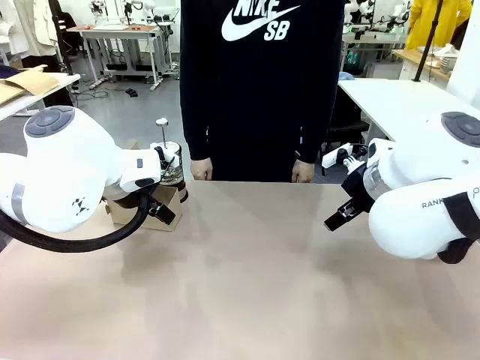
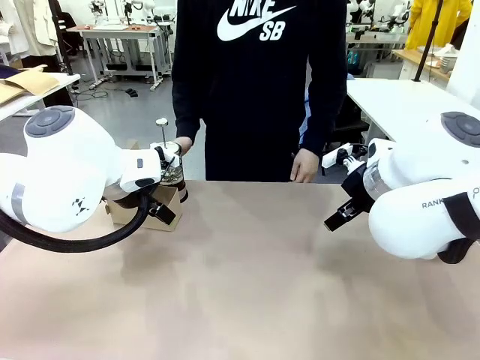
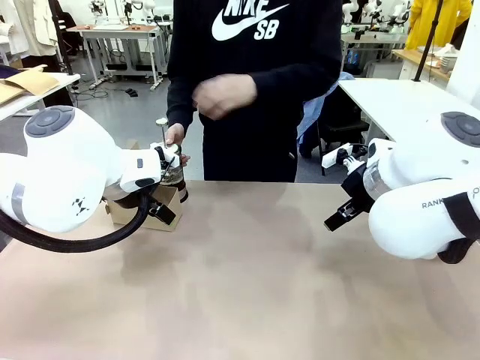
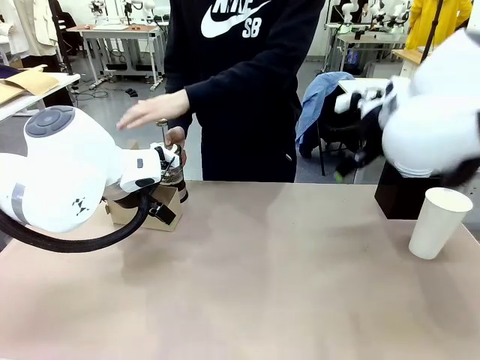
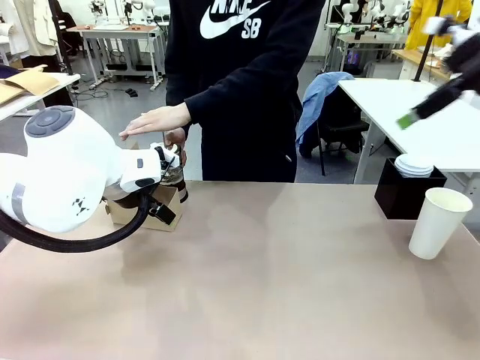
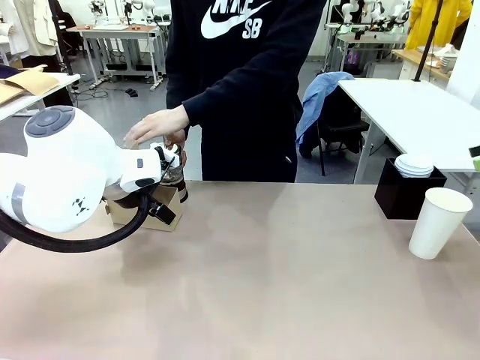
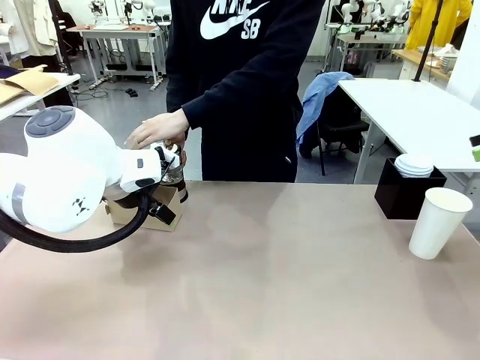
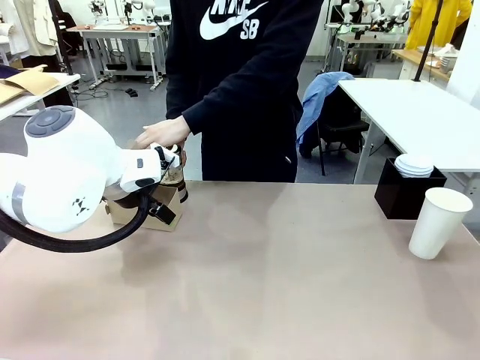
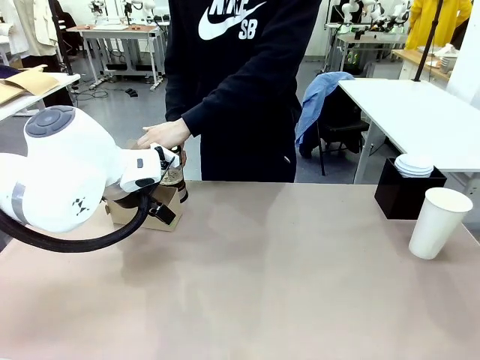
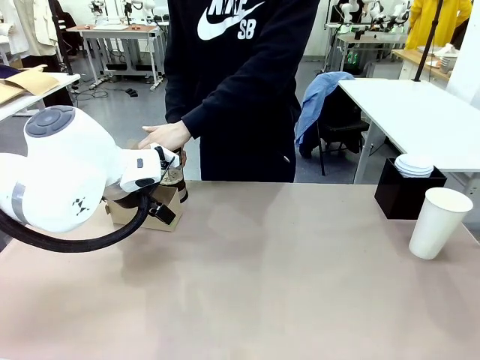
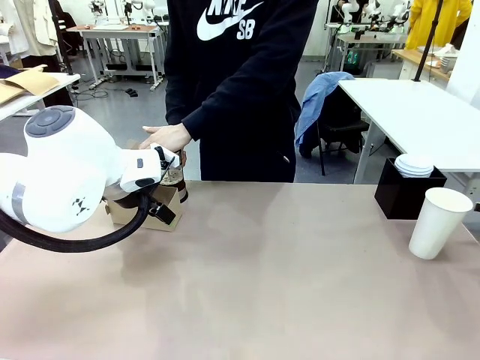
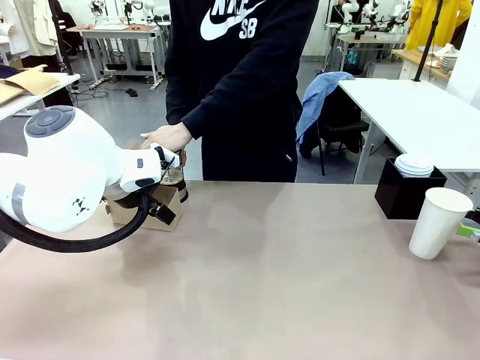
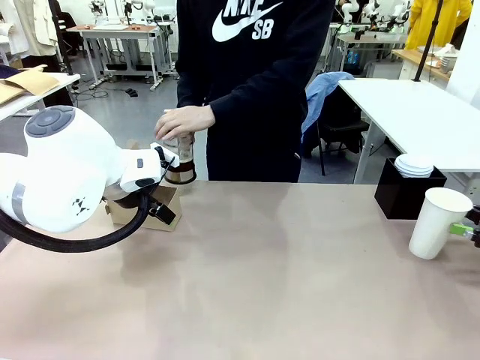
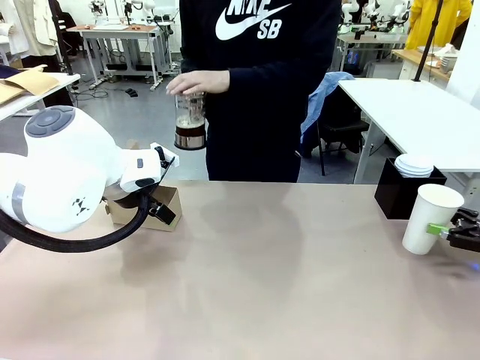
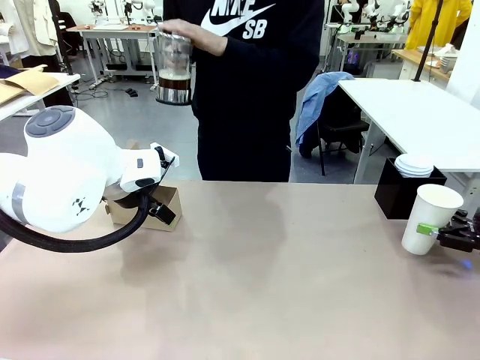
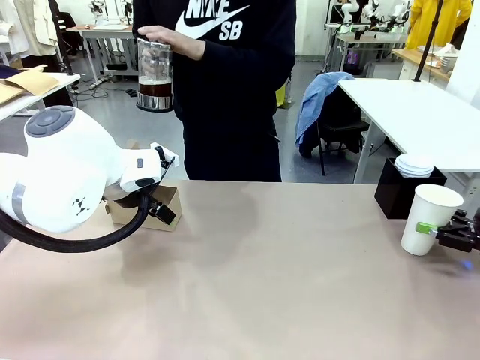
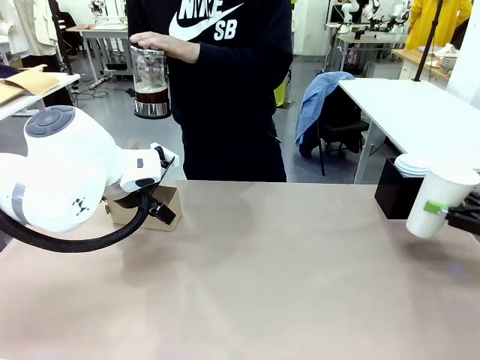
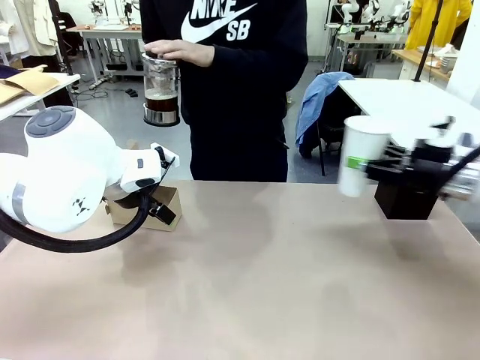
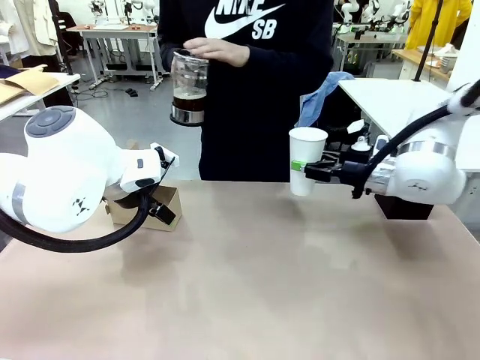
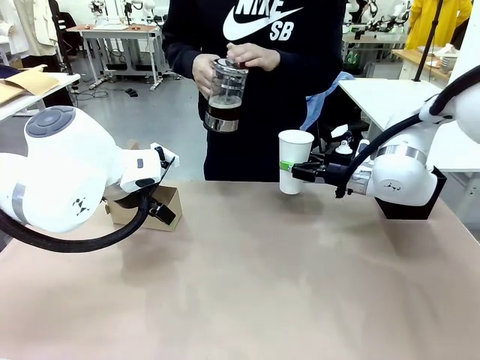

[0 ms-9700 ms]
Task: Pour a drink into a cup and package it in a carrier.
Robot: Pick up the 600 ml Paper Cup and place it in the middle top area of the table.
Person: Press and pick up the Filter Brewing.

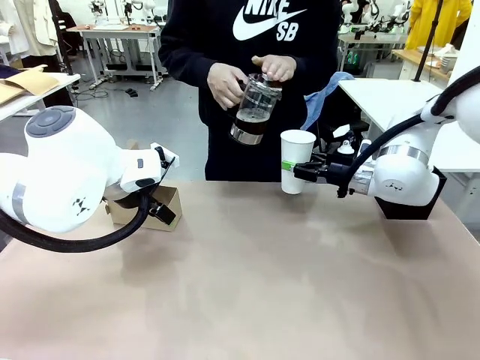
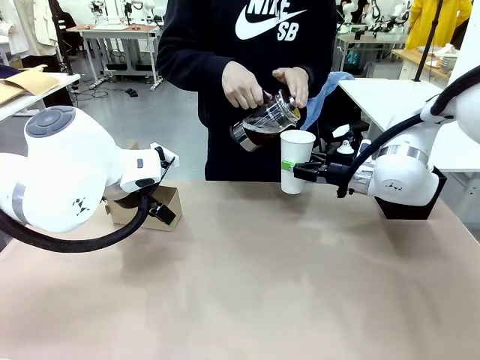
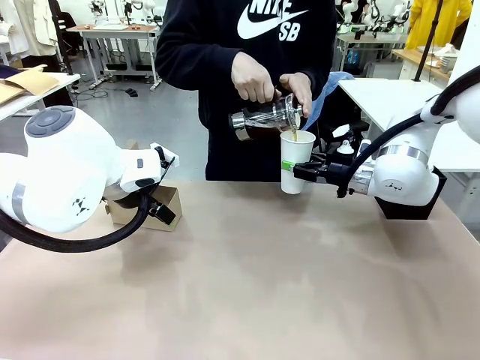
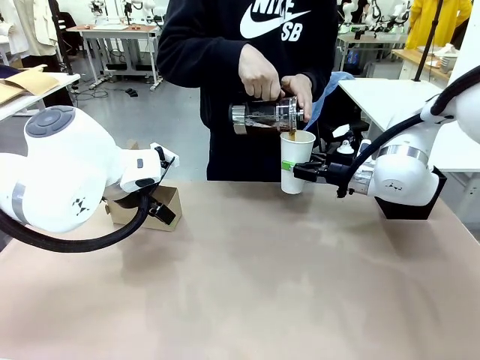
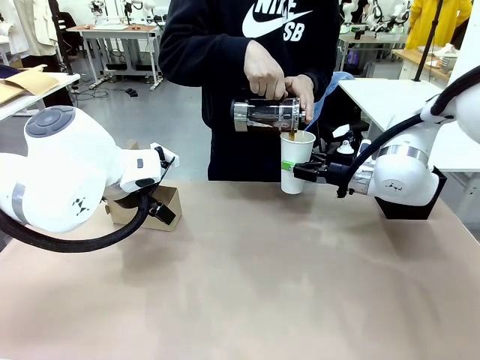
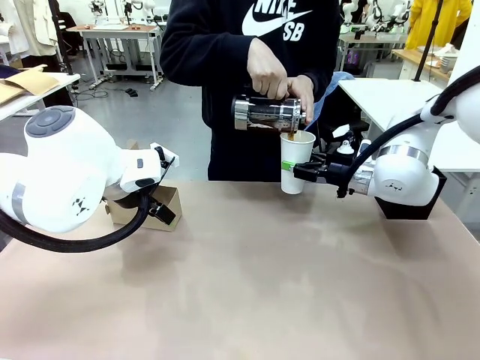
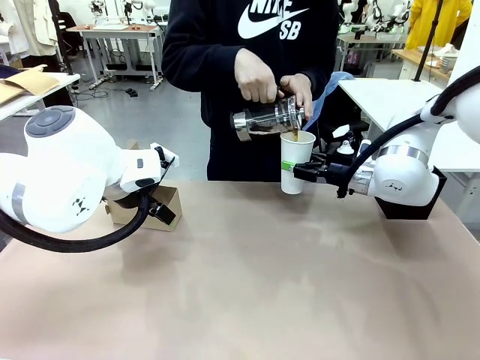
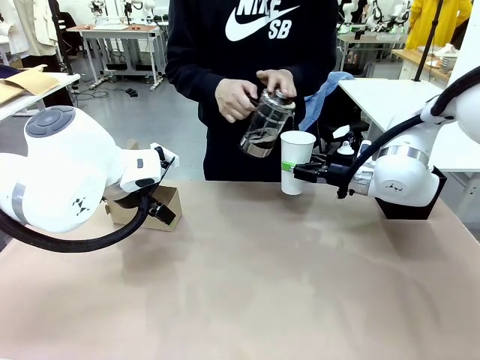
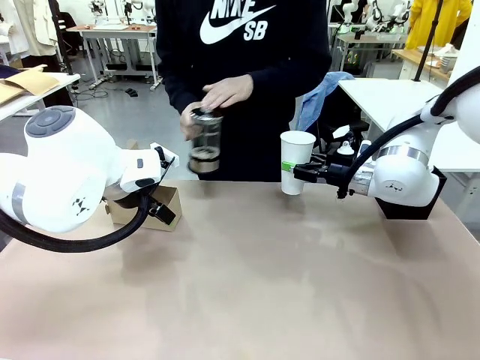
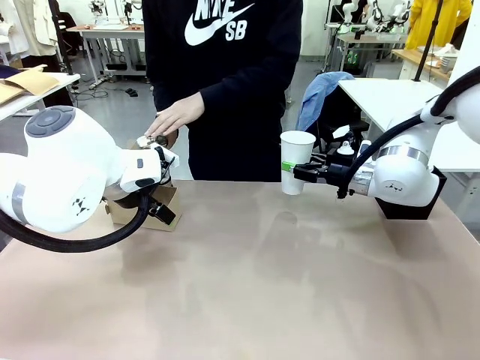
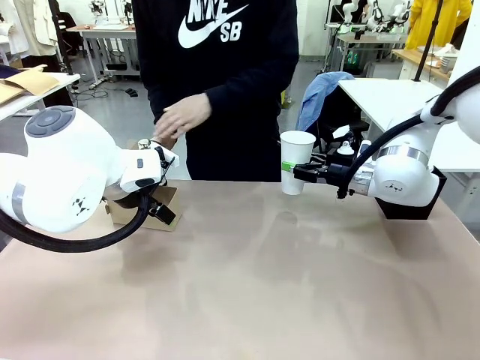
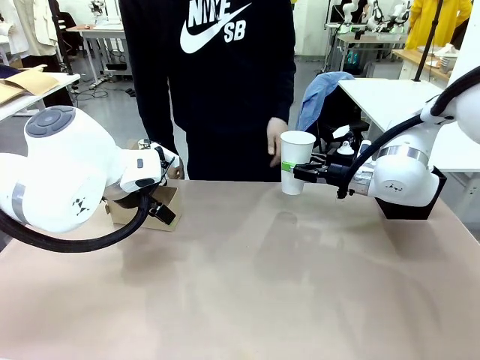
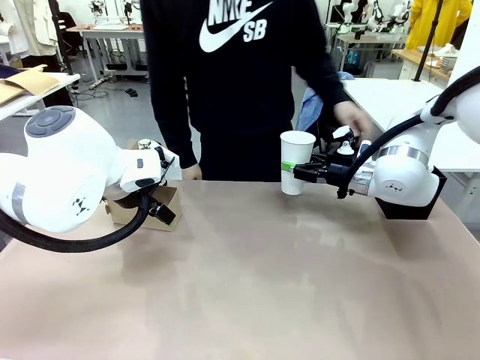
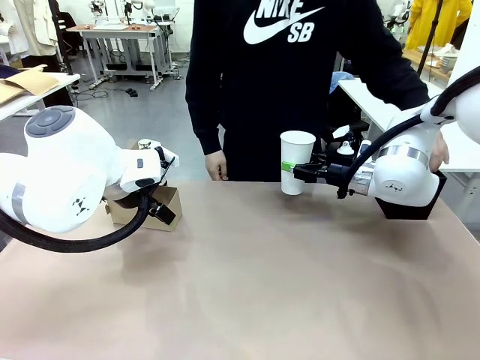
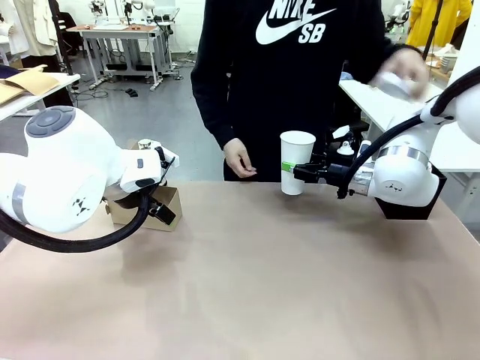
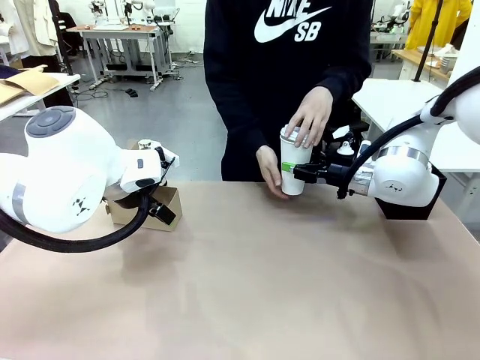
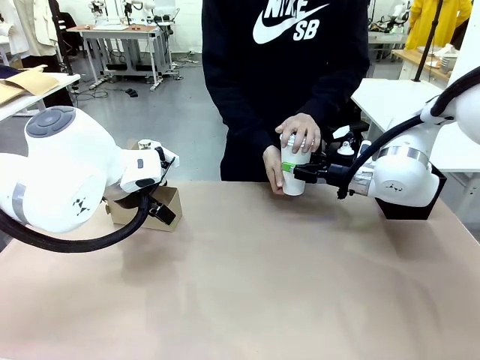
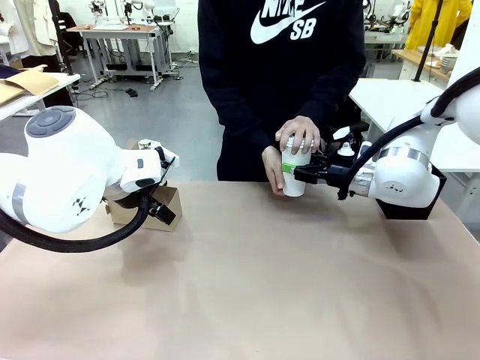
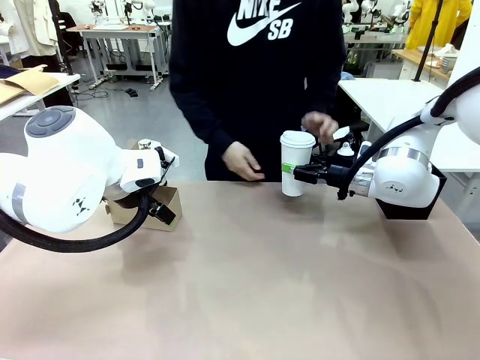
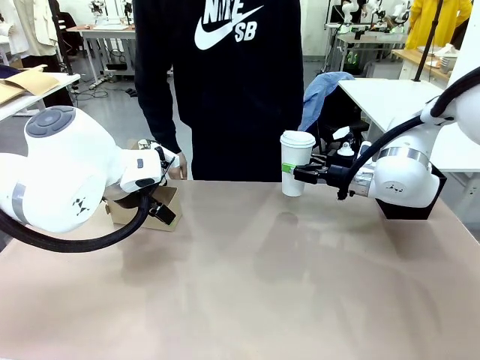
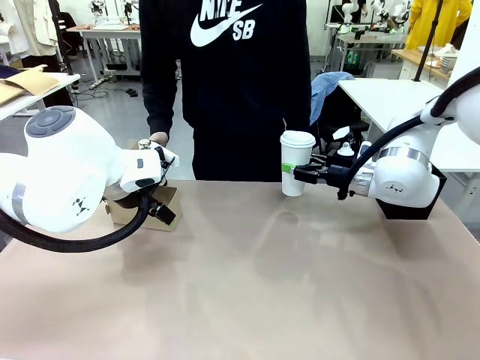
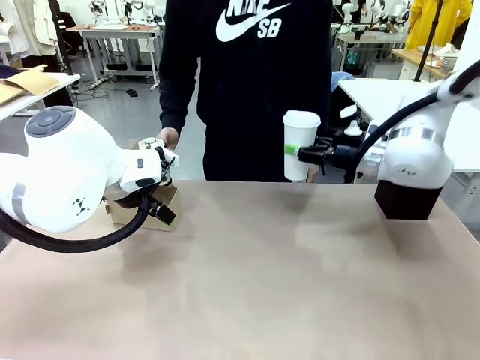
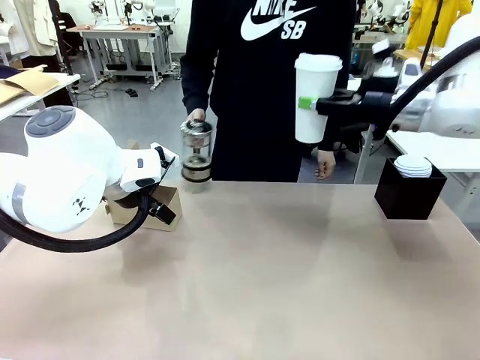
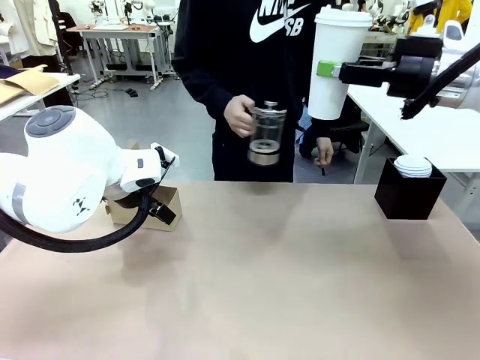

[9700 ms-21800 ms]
Robot: When a person places the Paper Cup Lid on the 600 ml Paper Cup , lift the 600 ml Paper Cup.
Person: Pour the drink from the Filter Brewing into the 600 ml Paper Cup. Place a Paper Cup Lid on the 600 ml Paper Cup.

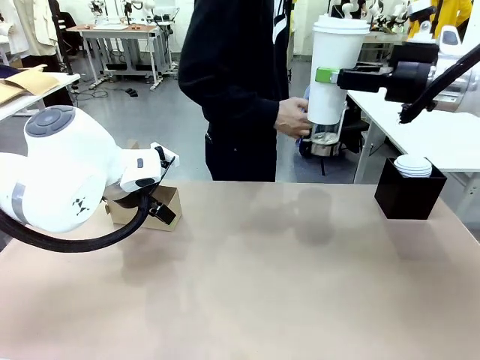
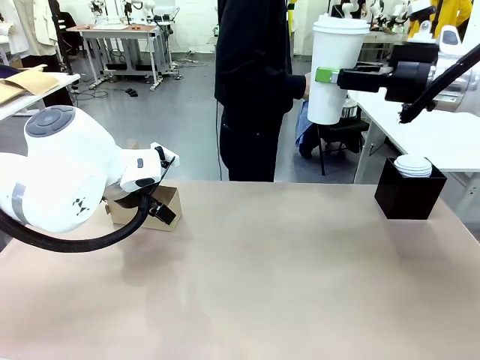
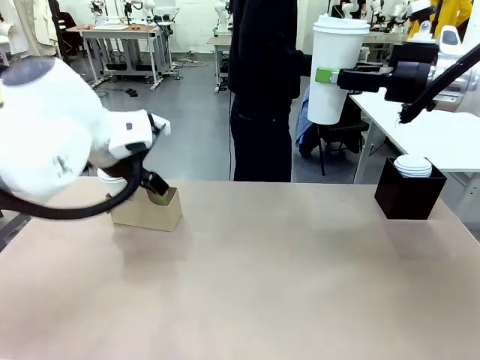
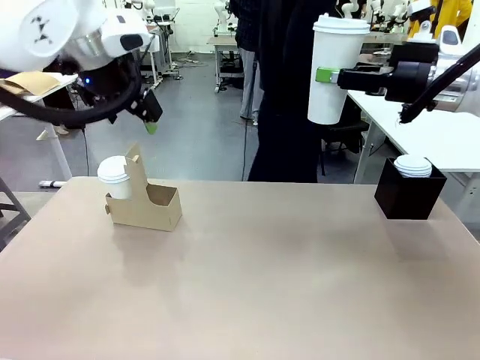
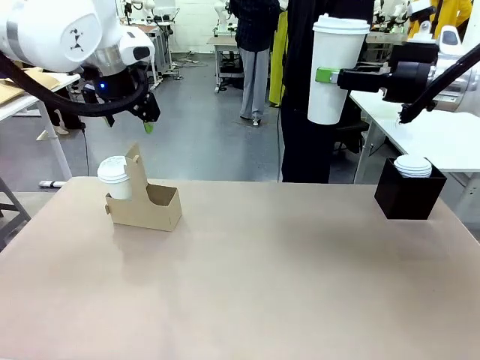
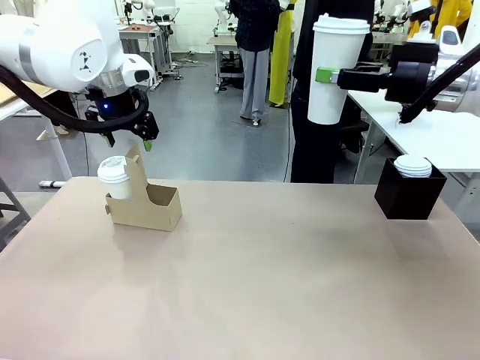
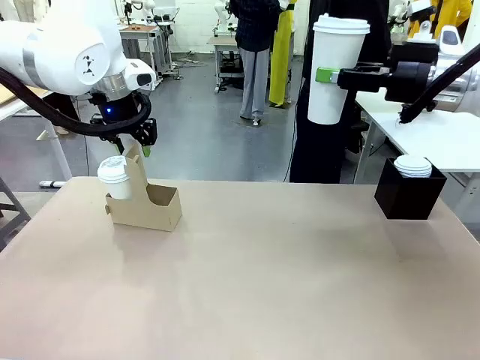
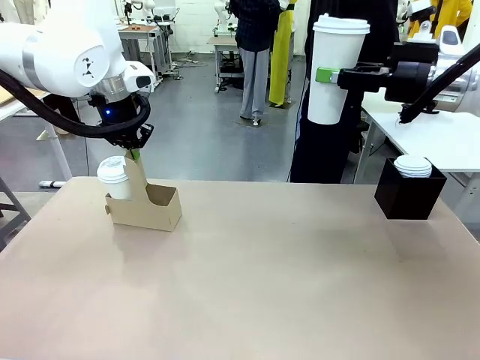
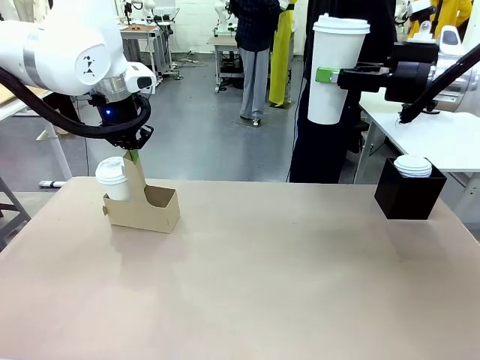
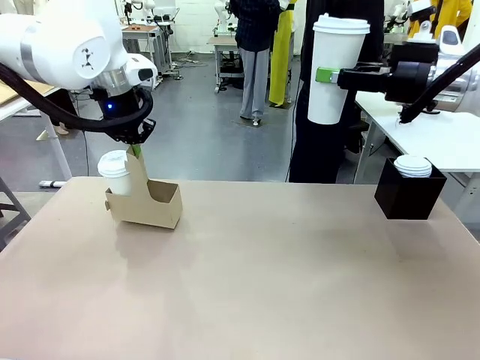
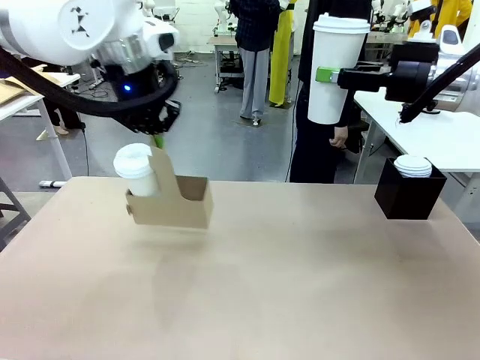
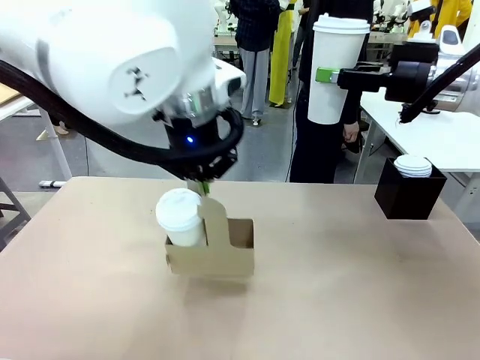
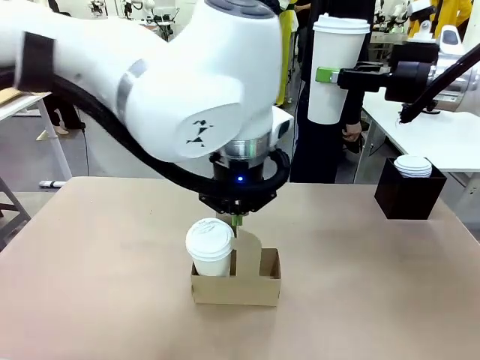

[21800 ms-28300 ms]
Robot: Position the Cup Carrier in the center of the table.
